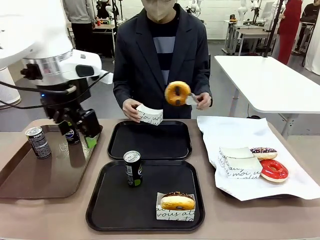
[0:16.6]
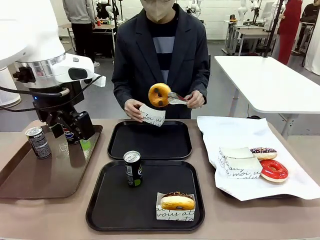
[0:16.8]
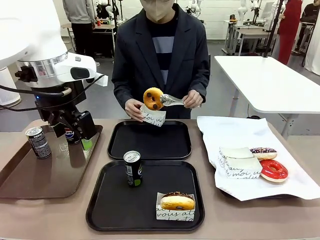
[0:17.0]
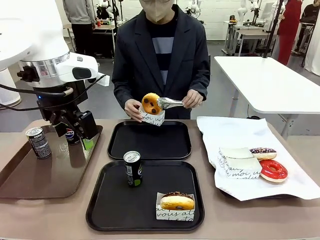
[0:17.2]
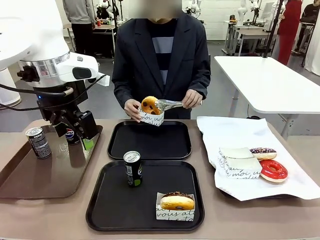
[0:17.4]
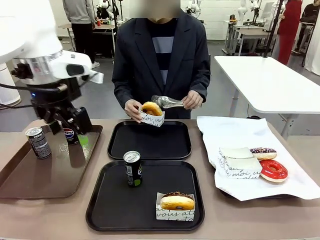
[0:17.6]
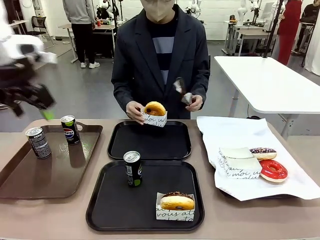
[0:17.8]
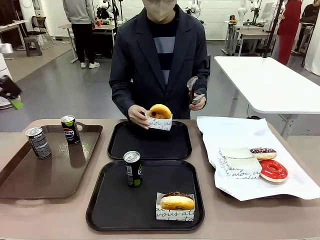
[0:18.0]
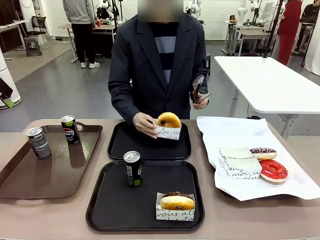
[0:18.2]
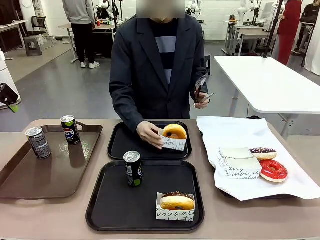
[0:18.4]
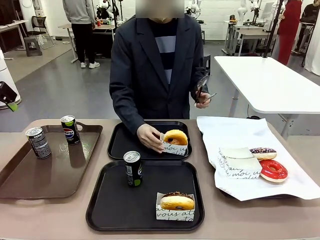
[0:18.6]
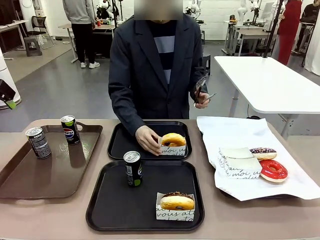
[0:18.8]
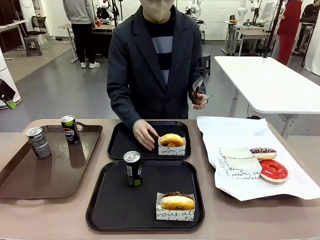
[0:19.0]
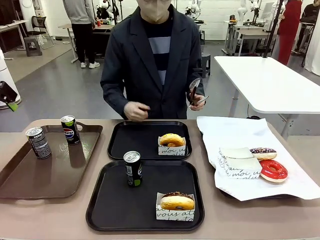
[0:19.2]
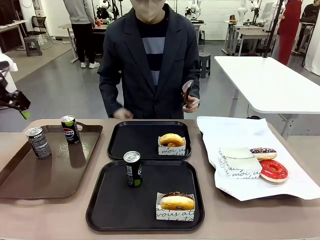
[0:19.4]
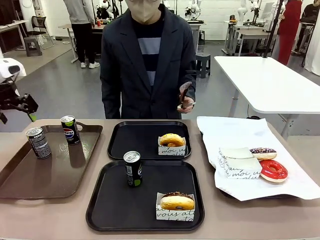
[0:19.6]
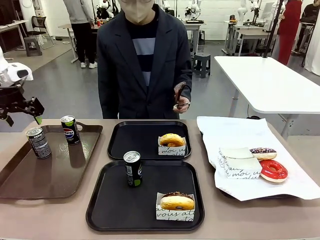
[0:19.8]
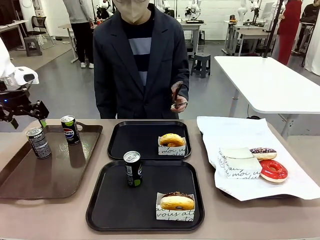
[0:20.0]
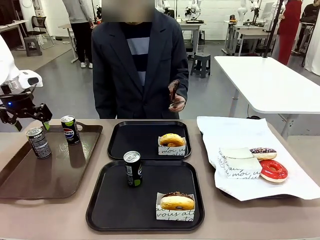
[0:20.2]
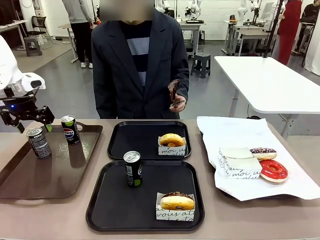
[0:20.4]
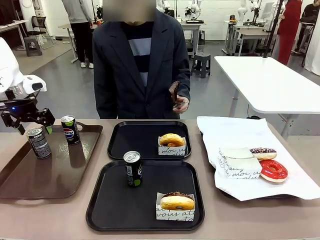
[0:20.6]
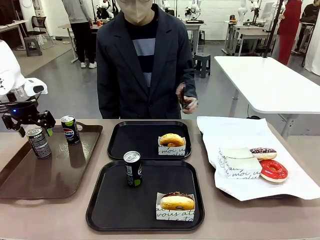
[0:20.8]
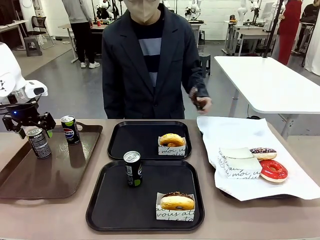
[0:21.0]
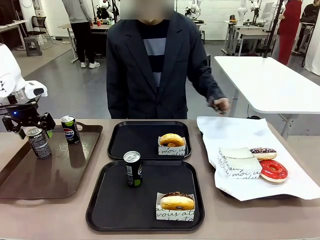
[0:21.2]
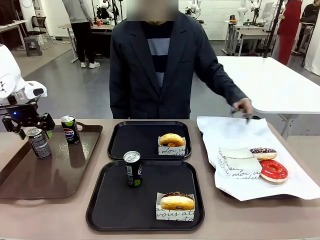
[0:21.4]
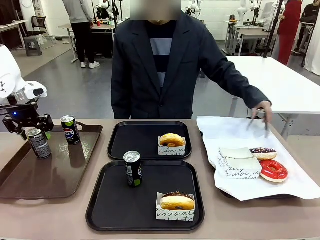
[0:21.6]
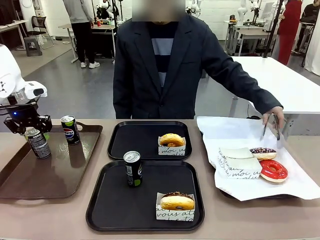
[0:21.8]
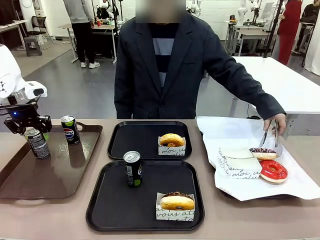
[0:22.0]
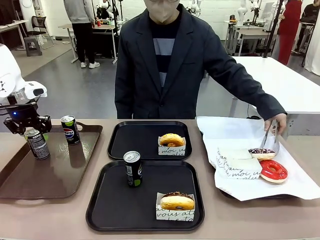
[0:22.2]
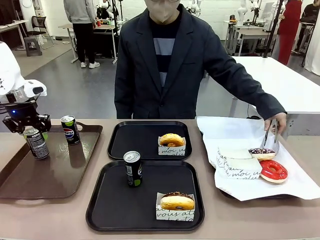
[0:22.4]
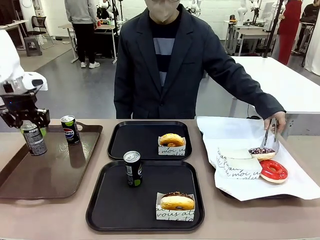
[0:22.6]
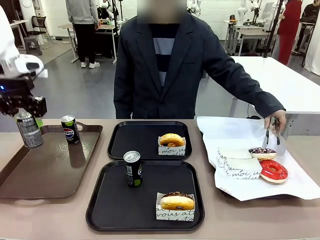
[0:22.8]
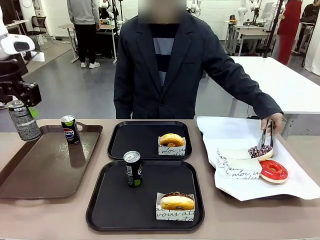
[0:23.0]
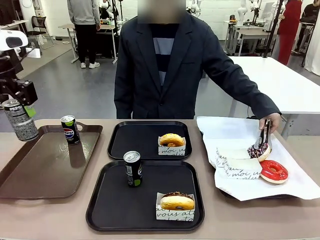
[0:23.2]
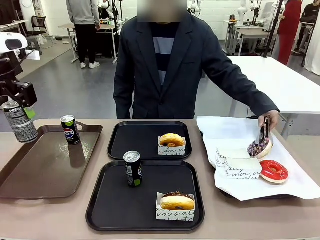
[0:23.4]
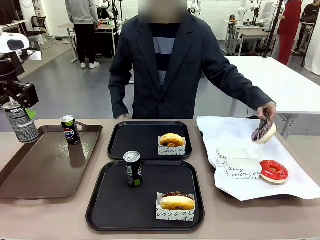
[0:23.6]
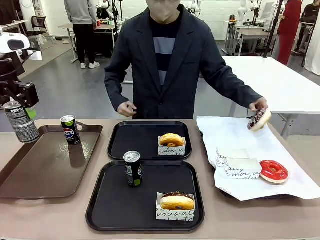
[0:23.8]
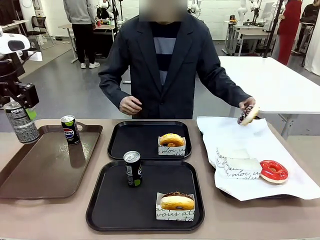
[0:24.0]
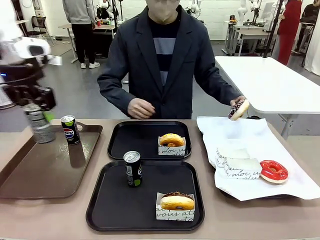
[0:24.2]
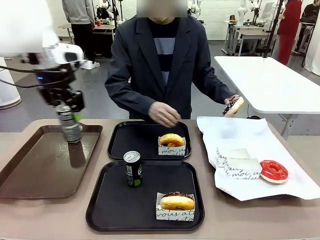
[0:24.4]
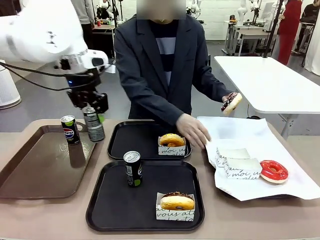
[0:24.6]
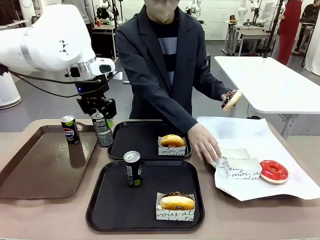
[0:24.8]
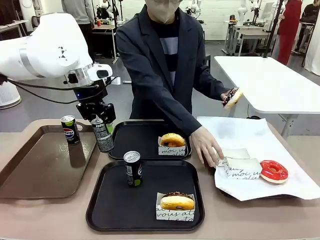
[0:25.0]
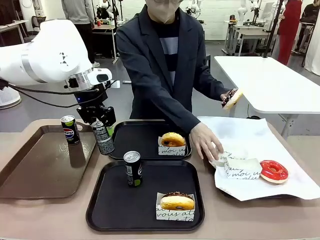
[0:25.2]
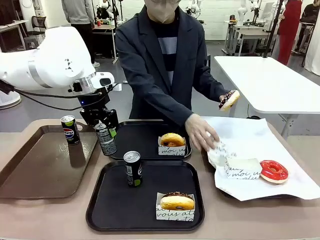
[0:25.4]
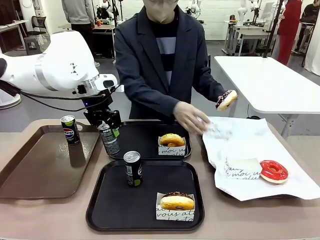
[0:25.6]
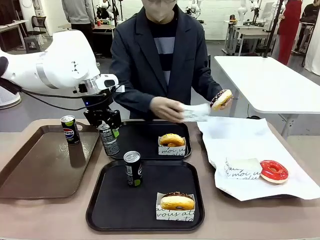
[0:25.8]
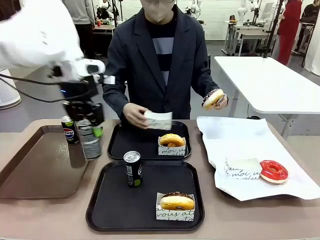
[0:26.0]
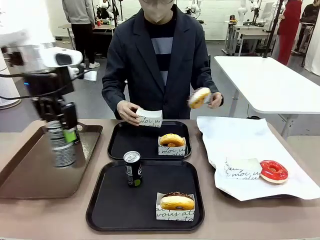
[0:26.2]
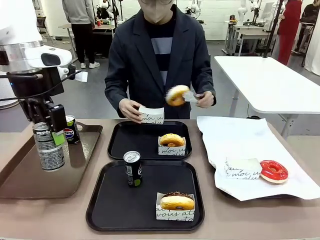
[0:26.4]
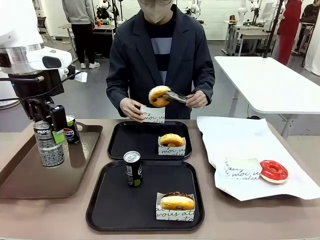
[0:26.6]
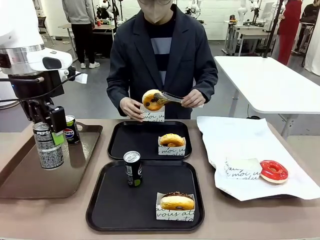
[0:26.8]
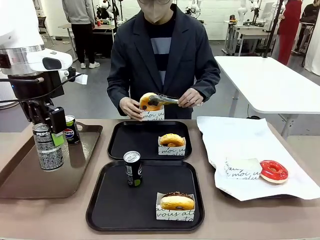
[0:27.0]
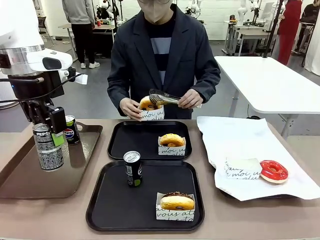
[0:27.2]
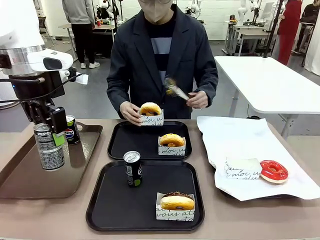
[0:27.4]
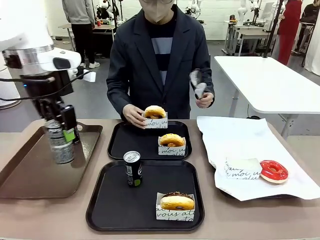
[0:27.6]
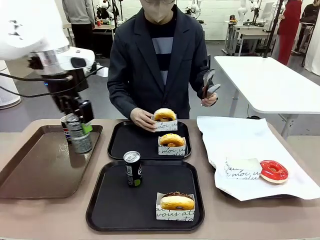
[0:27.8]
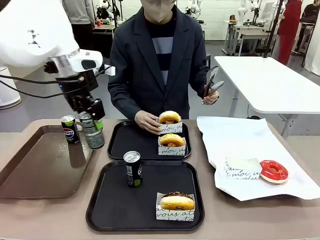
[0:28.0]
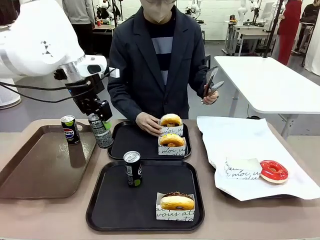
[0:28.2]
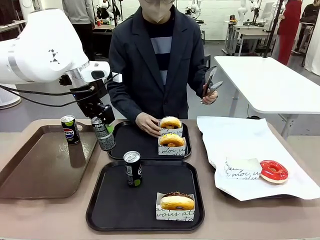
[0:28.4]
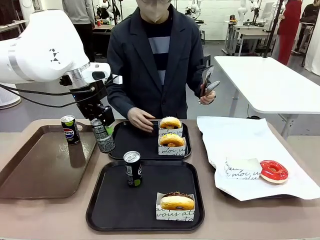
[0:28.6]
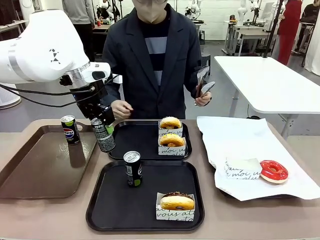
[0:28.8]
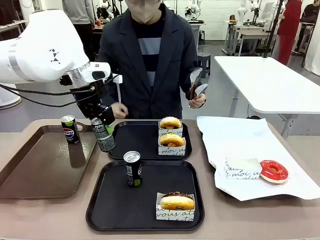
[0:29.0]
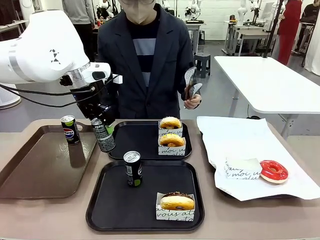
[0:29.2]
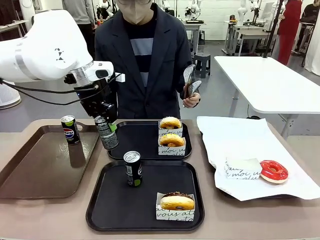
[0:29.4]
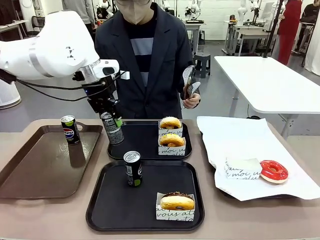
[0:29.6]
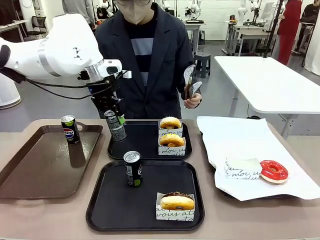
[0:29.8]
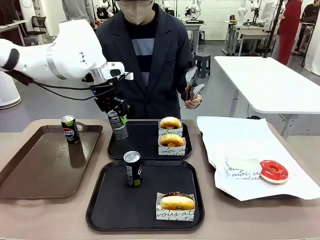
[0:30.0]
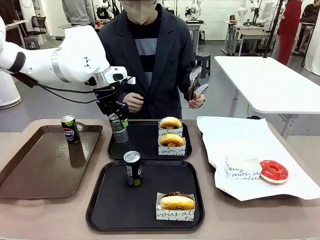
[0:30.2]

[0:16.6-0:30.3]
Task: Set up donuts and drinks on trays.
Robot: Pick up one Pepsi coke from the Handle tray and place it on the Flat Tray without a Pepsi coke.

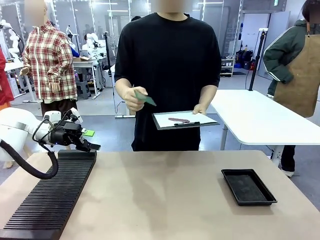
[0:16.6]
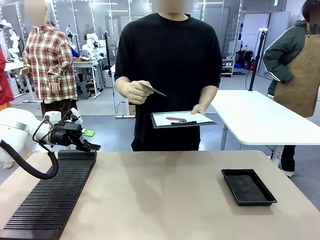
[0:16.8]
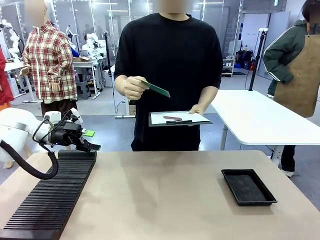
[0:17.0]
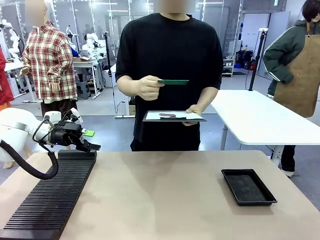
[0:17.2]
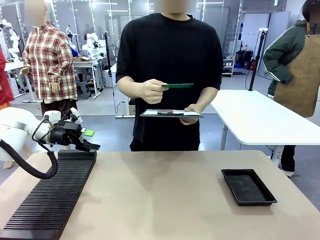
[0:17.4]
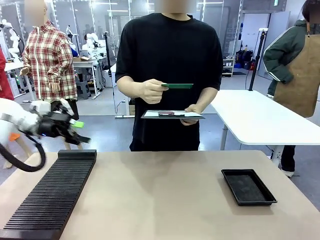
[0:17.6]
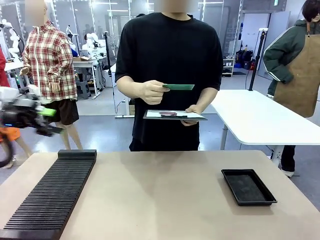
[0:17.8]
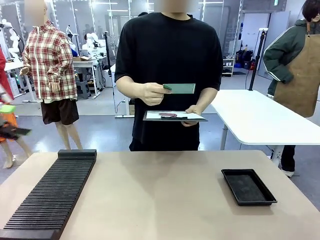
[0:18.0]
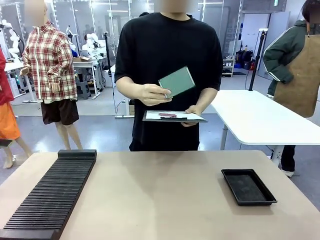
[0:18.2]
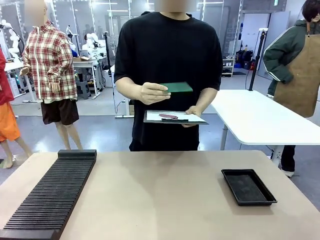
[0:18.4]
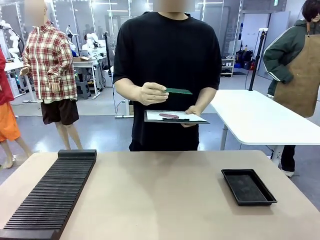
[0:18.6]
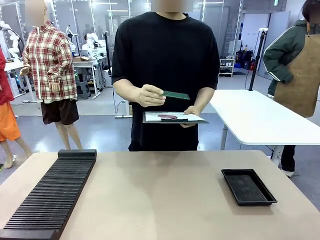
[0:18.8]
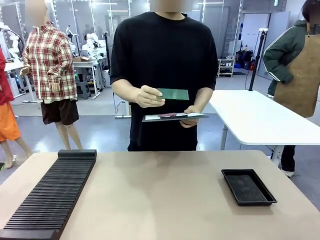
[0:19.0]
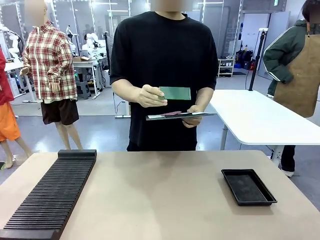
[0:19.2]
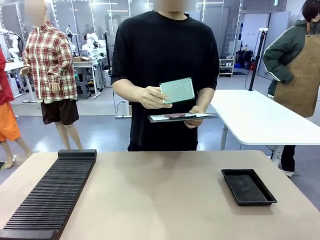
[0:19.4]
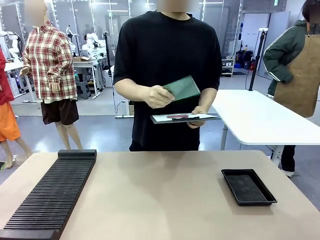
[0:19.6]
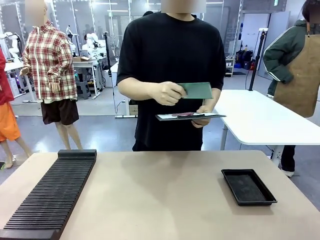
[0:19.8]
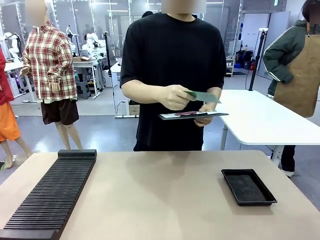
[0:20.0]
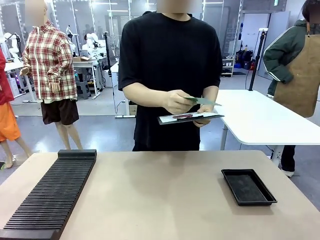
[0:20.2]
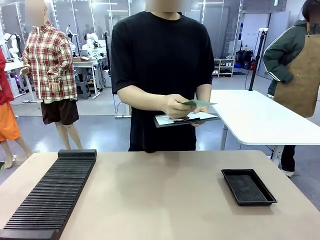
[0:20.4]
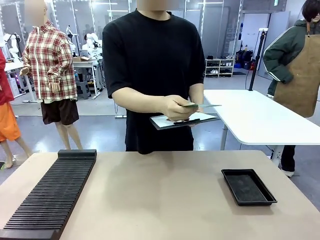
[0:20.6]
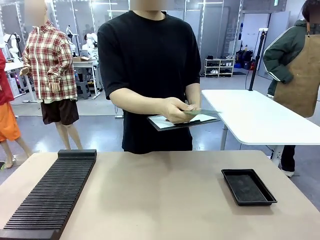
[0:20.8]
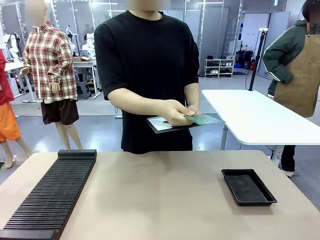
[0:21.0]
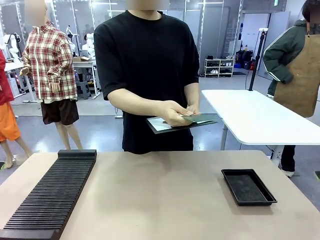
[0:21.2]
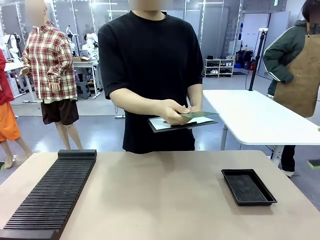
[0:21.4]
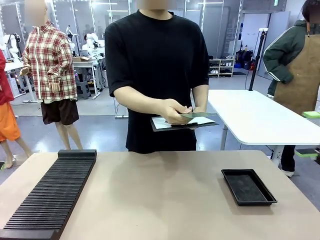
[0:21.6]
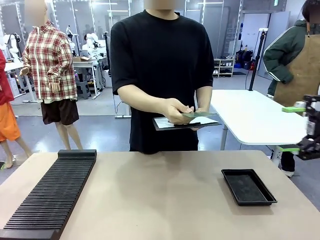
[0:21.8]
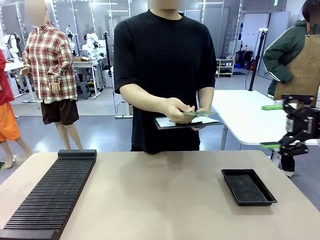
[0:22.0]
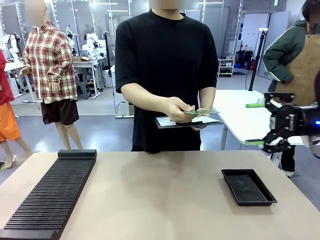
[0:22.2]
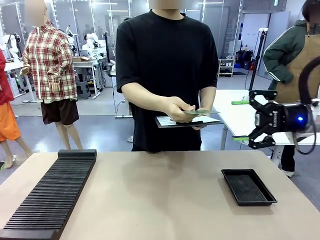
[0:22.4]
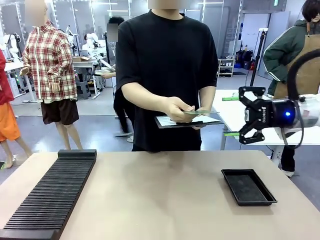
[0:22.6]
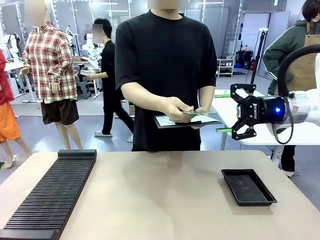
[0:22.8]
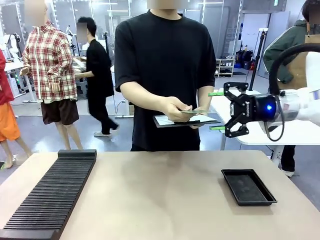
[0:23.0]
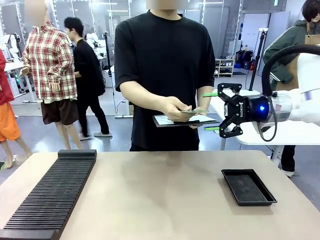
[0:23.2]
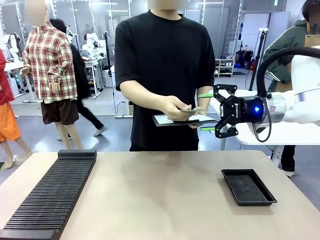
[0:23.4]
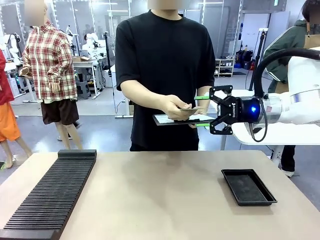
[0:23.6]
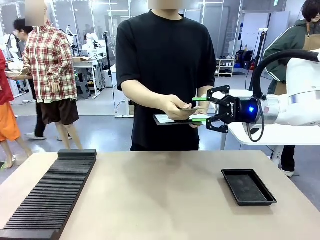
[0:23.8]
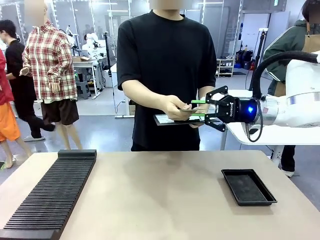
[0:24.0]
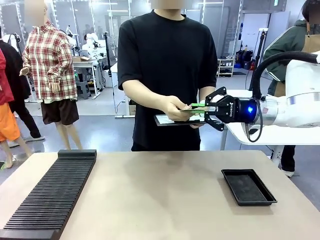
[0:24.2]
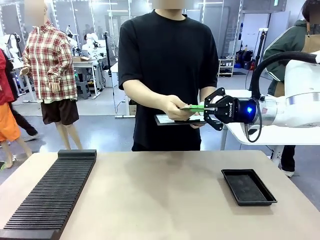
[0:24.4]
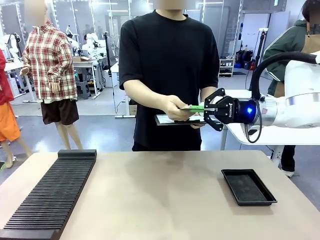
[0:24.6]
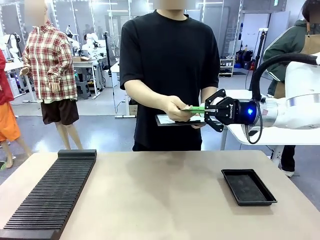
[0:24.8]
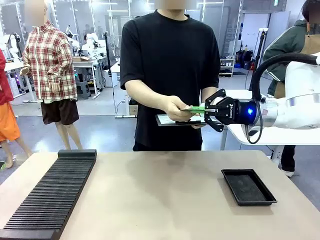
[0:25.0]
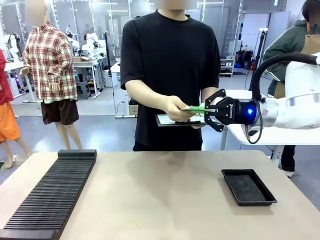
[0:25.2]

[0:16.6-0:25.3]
Task: Inspect the PCB.
Robot: Pick up the Blank PCB that the human is holding.
Person: Inspect the PCB placed by the robot, then hold it out in front of the robot. Release the PCB you were holding.
